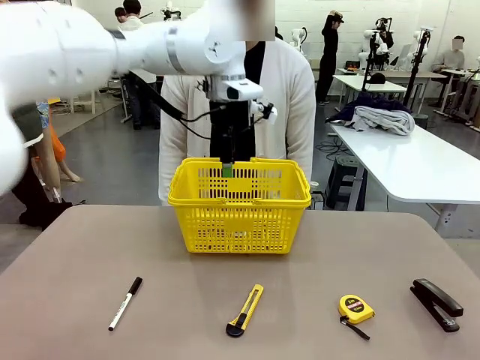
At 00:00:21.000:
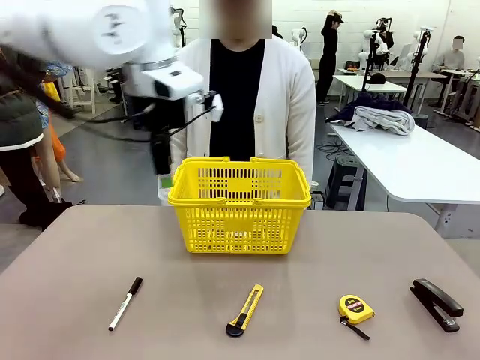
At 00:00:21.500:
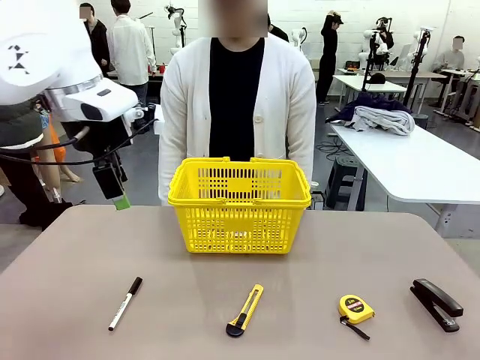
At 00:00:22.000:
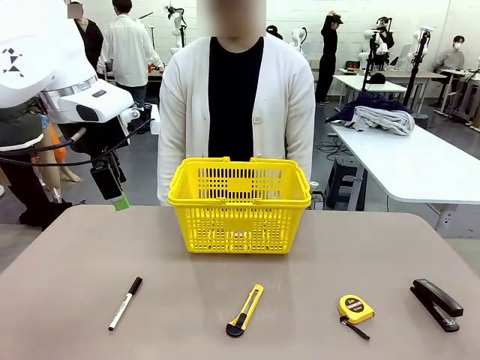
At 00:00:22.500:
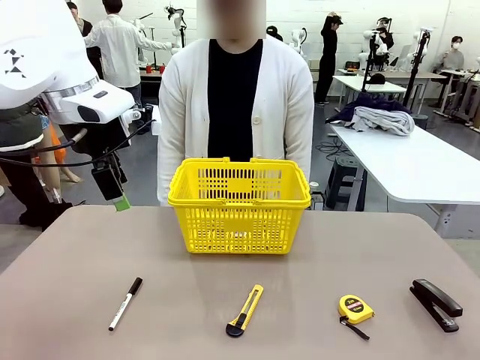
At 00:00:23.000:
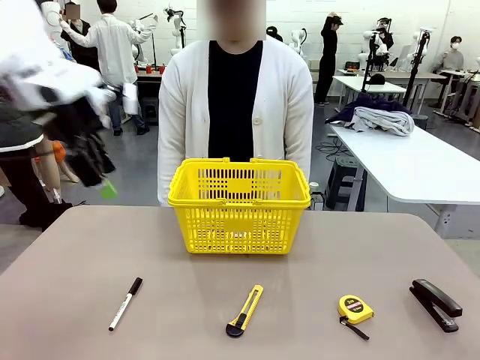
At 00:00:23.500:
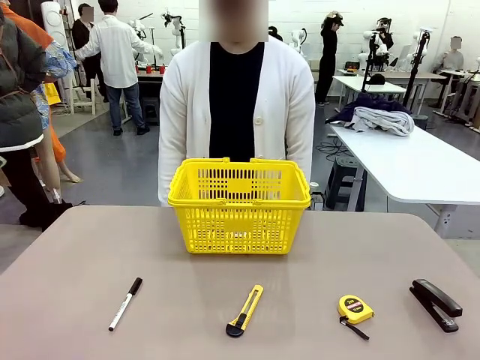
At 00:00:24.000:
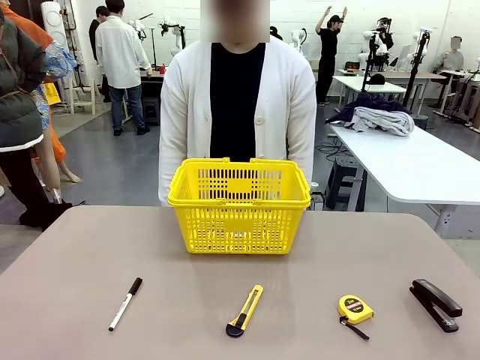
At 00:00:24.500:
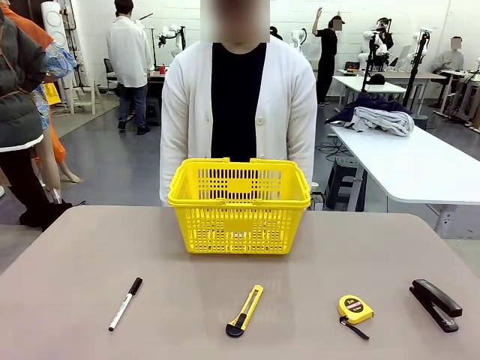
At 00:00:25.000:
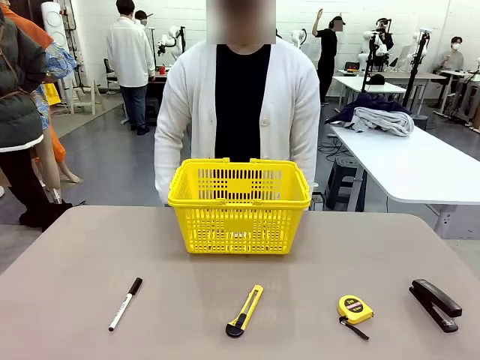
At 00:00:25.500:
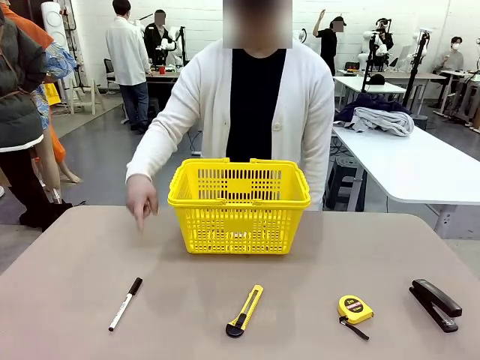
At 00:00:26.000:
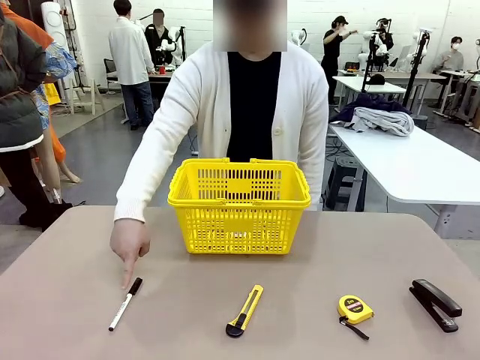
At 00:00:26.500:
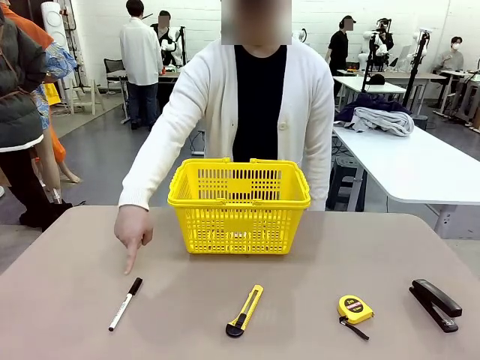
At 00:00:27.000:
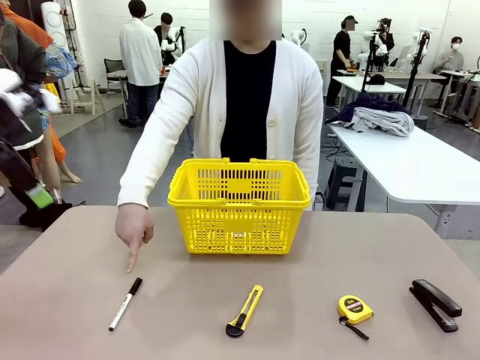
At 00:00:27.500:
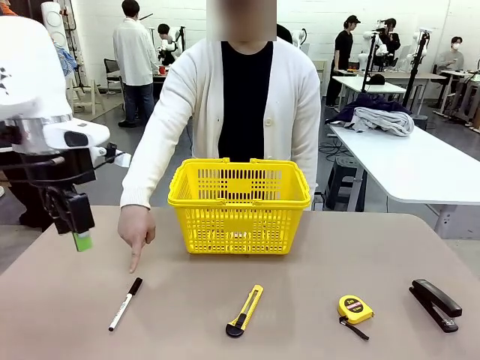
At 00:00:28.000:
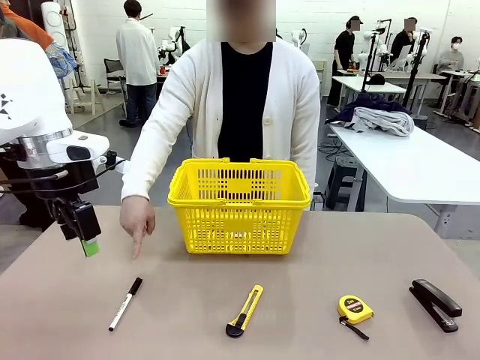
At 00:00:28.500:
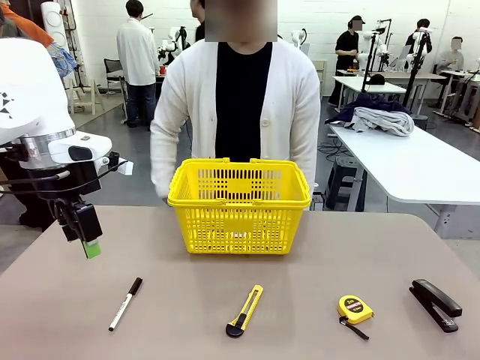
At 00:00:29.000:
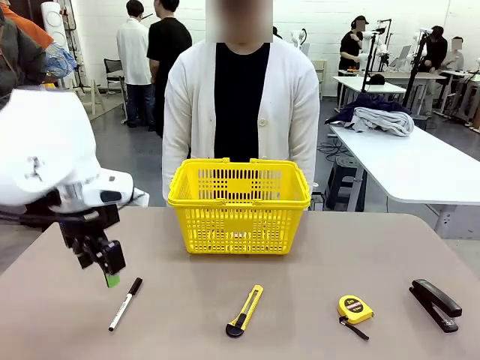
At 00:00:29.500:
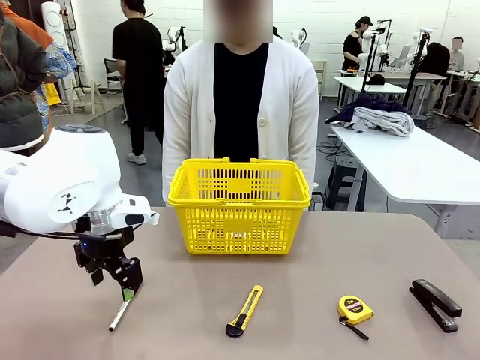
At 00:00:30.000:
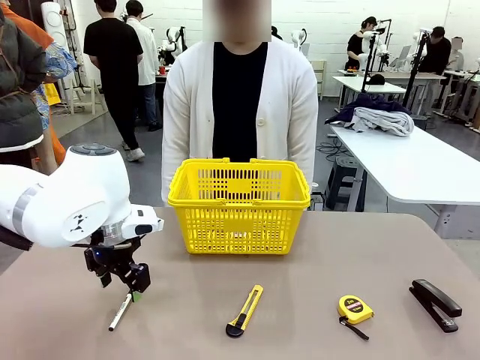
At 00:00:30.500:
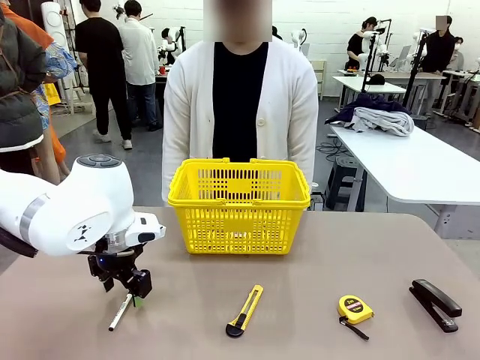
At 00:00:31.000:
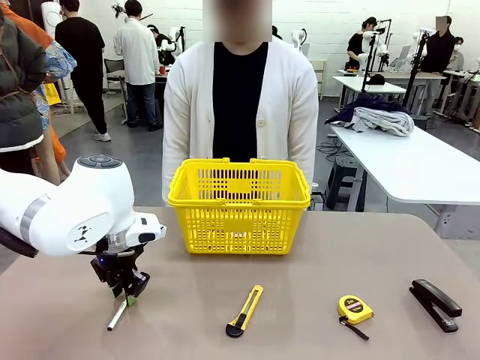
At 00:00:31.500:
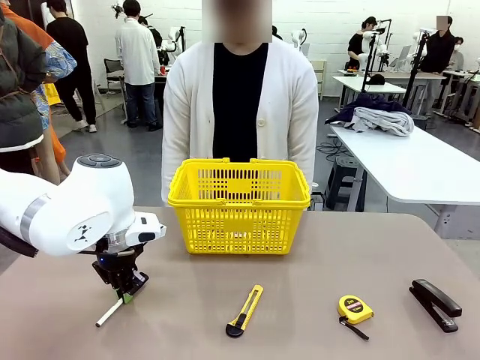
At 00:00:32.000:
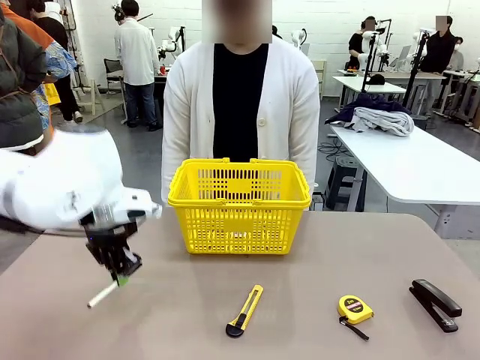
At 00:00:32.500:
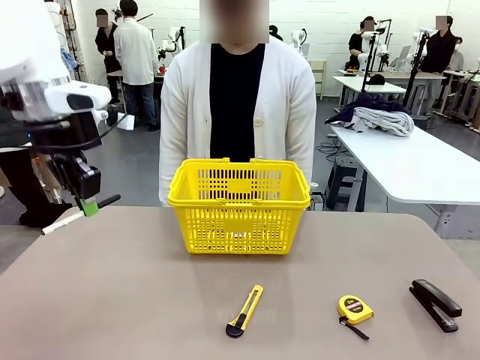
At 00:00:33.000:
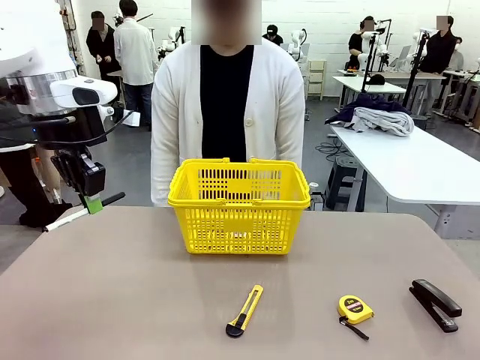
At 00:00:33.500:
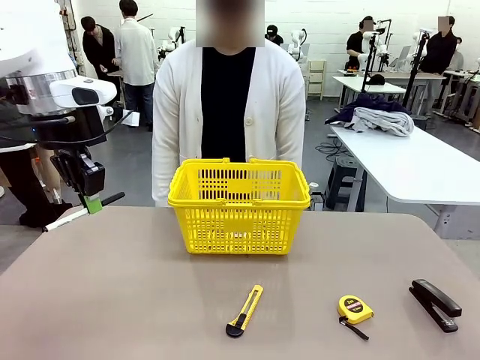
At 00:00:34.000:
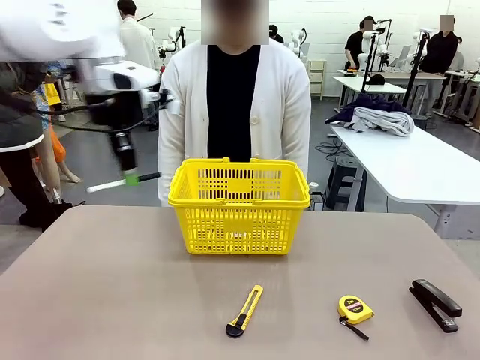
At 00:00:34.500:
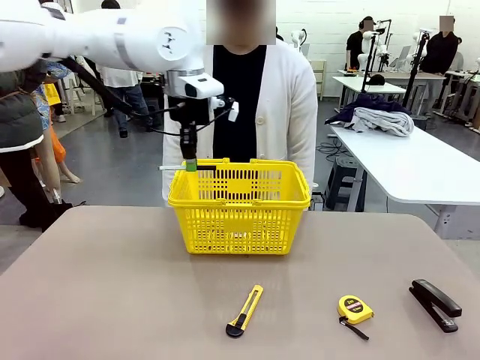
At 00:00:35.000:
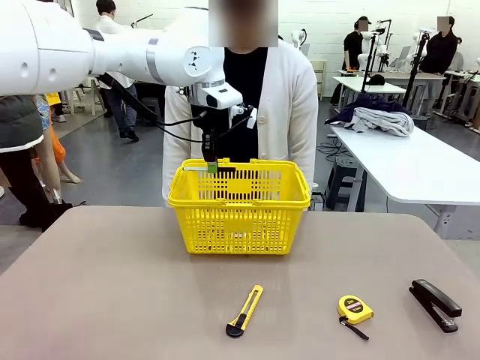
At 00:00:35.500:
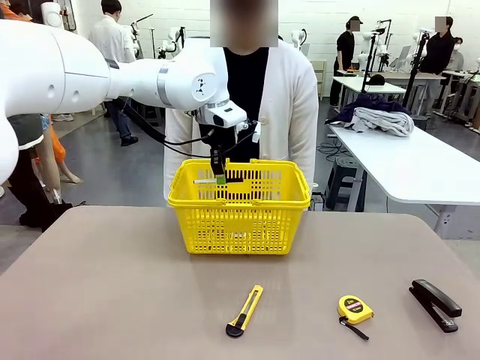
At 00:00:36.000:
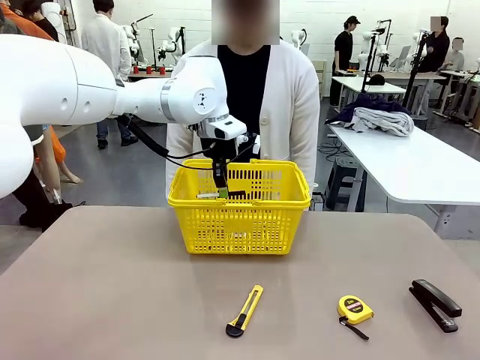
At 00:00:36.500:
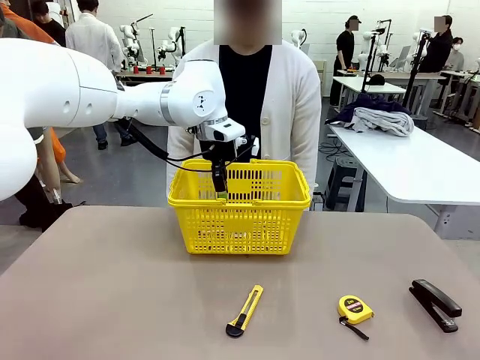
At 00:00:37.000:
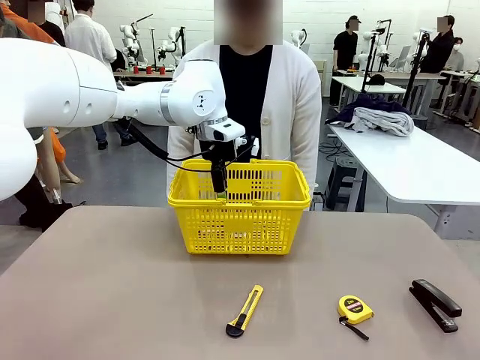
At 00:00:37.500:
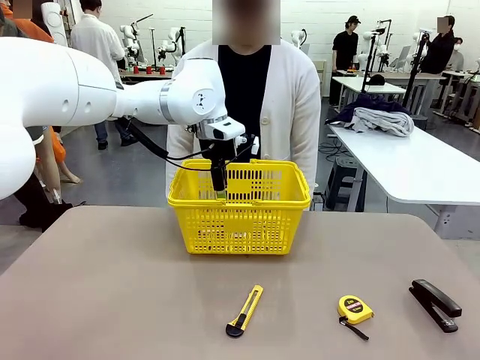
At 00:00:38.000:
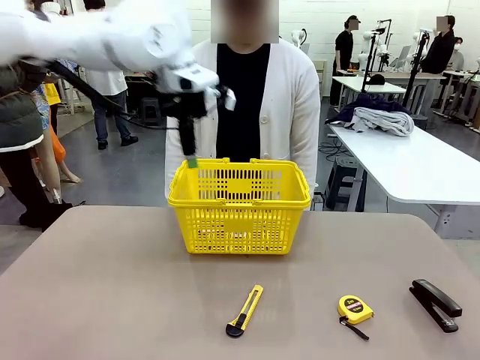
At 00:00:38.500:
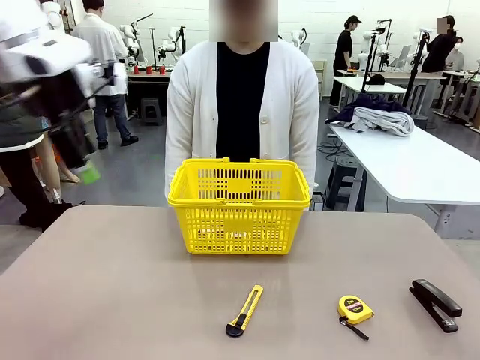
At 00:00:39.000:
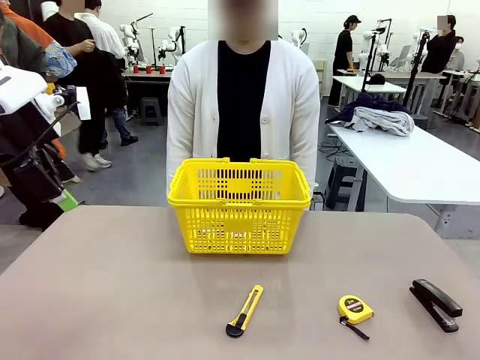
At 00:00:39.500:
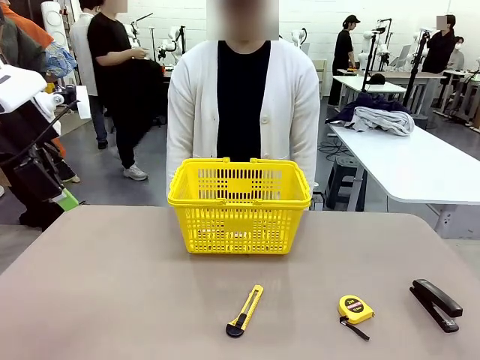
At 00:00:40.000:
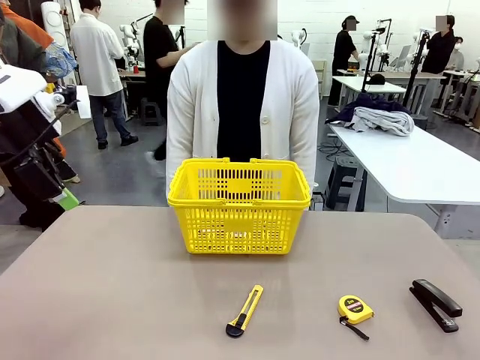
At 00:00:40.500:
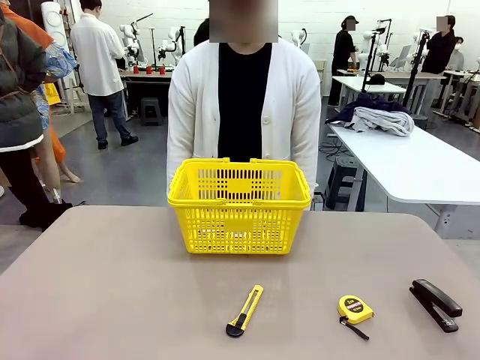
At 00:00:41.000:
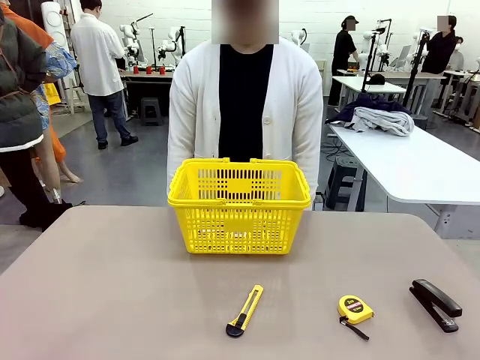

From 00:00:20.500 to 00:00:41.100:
Task: Place the items the person wants into the basket.
Robot: Pick up the item the person points to and place it in the Market Basket.
